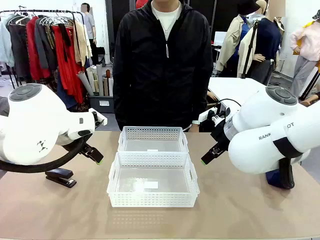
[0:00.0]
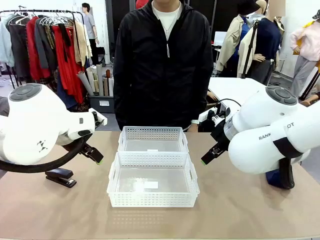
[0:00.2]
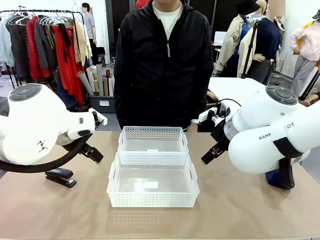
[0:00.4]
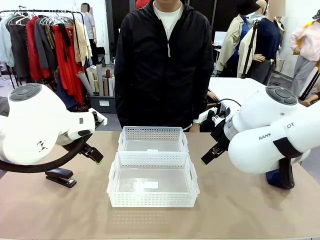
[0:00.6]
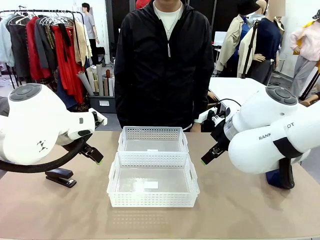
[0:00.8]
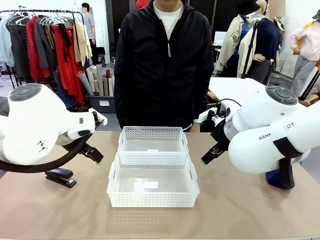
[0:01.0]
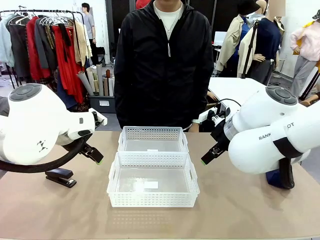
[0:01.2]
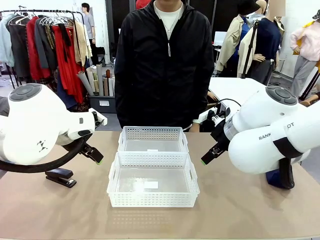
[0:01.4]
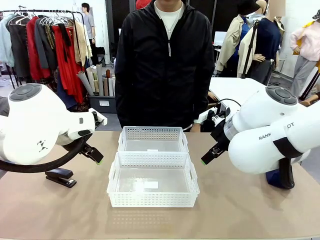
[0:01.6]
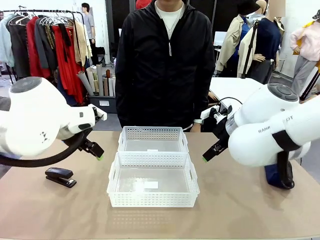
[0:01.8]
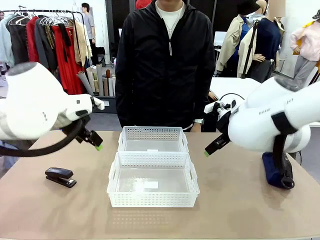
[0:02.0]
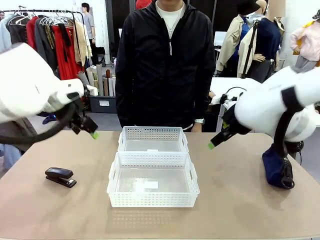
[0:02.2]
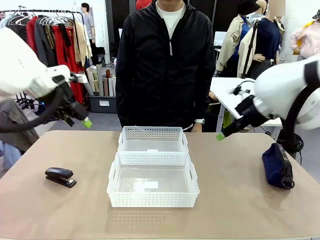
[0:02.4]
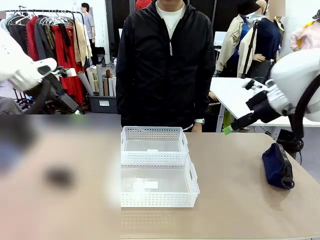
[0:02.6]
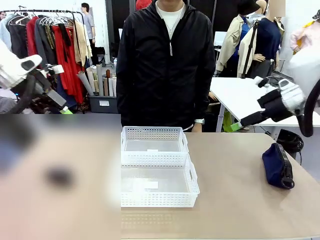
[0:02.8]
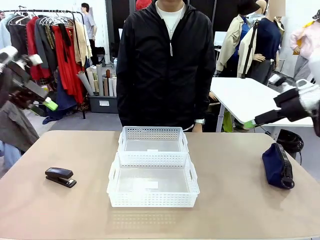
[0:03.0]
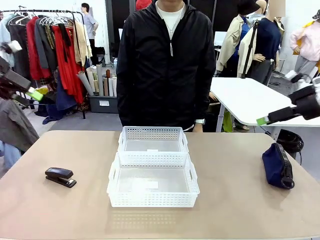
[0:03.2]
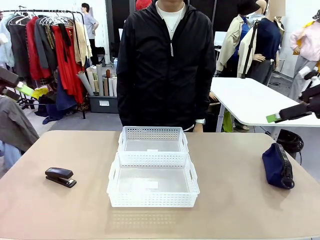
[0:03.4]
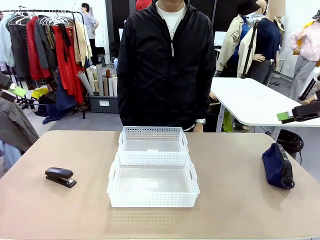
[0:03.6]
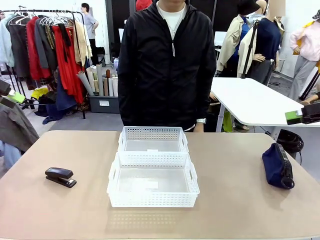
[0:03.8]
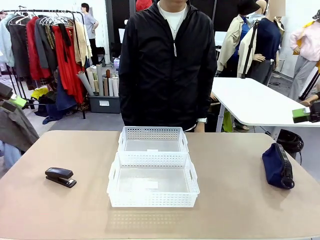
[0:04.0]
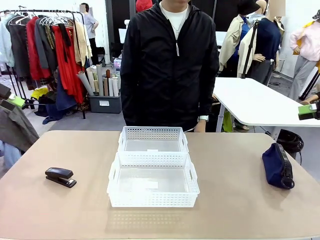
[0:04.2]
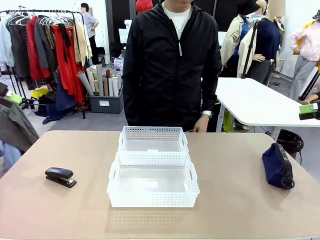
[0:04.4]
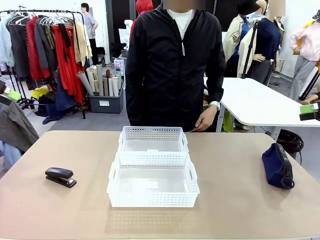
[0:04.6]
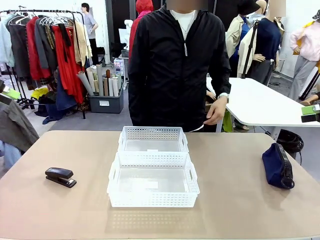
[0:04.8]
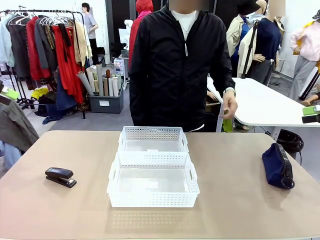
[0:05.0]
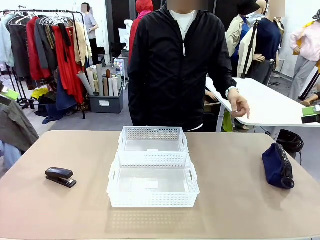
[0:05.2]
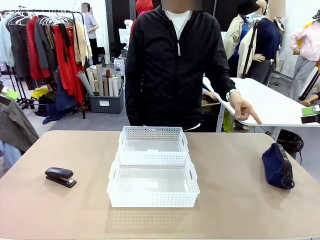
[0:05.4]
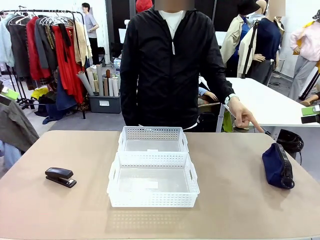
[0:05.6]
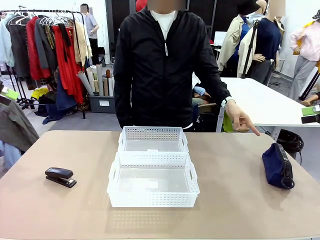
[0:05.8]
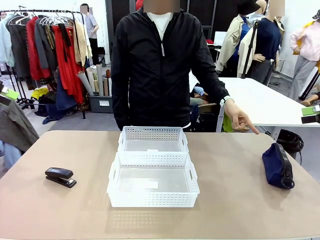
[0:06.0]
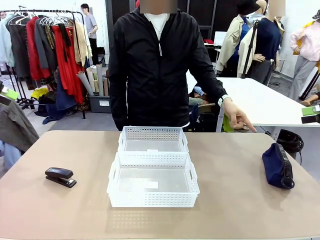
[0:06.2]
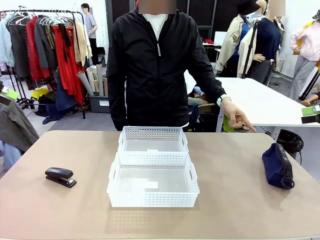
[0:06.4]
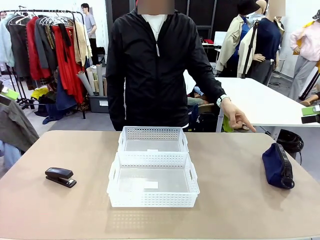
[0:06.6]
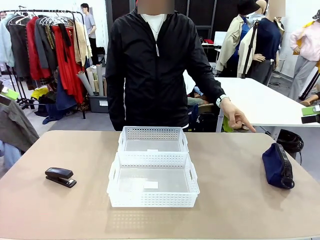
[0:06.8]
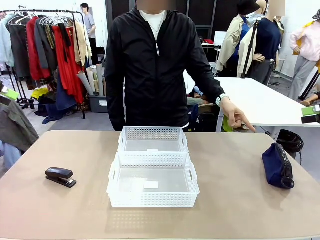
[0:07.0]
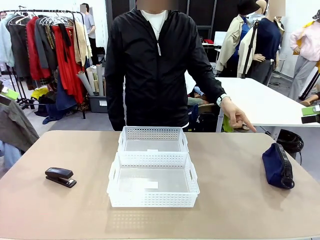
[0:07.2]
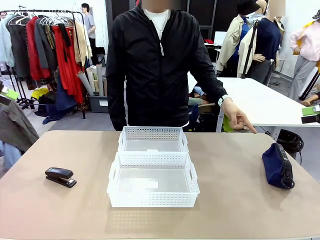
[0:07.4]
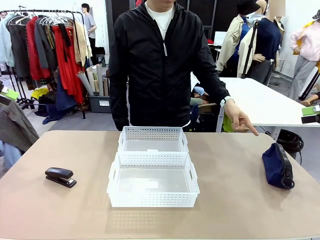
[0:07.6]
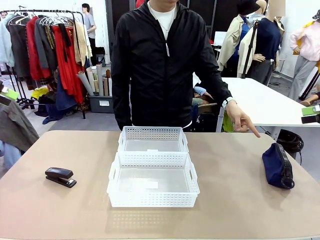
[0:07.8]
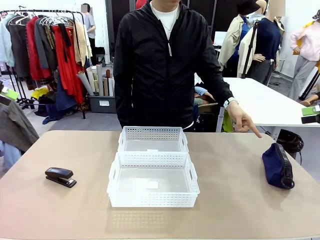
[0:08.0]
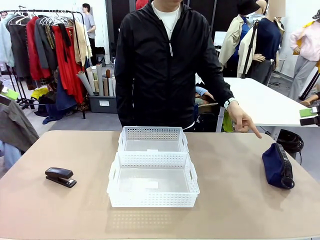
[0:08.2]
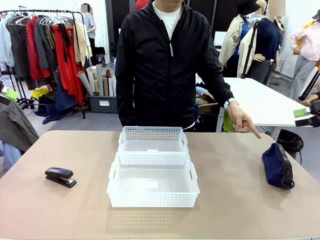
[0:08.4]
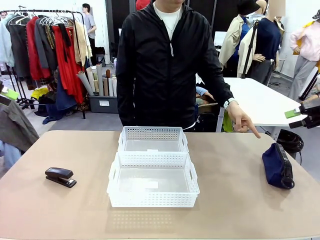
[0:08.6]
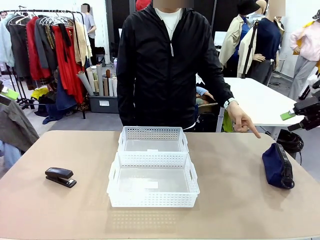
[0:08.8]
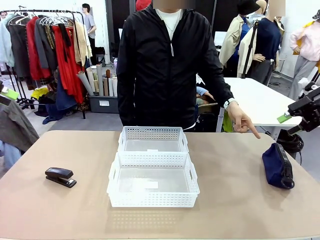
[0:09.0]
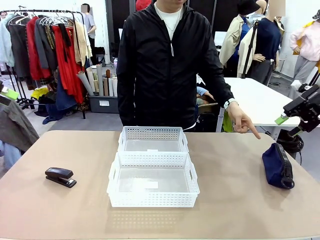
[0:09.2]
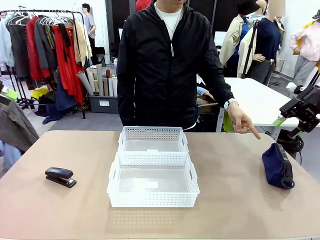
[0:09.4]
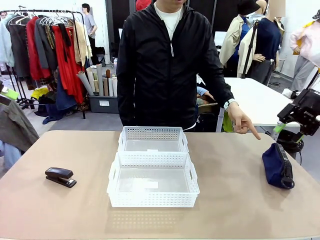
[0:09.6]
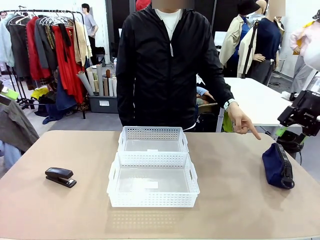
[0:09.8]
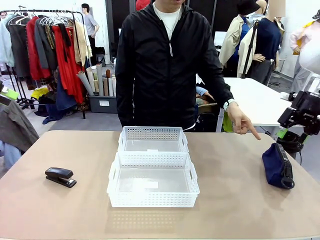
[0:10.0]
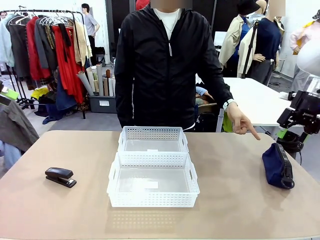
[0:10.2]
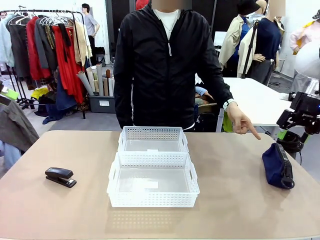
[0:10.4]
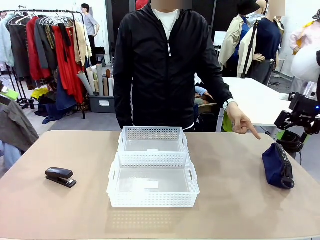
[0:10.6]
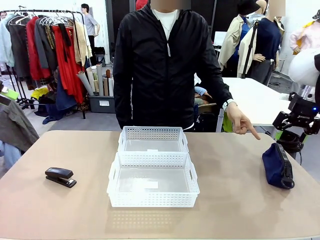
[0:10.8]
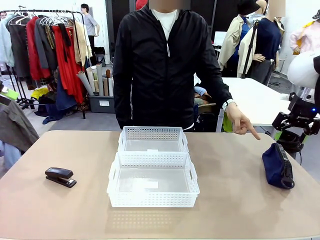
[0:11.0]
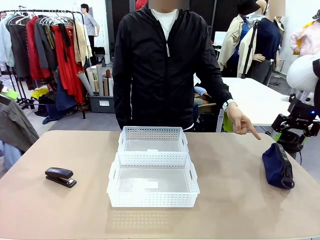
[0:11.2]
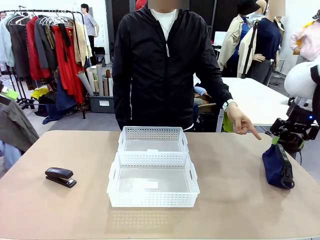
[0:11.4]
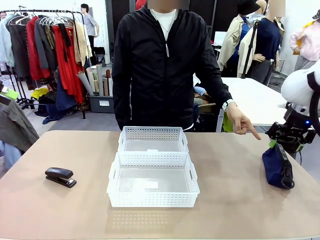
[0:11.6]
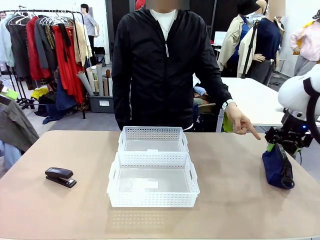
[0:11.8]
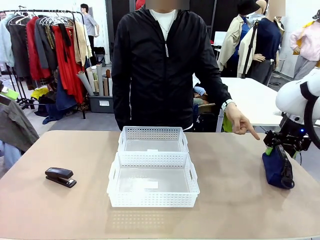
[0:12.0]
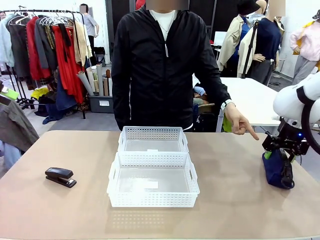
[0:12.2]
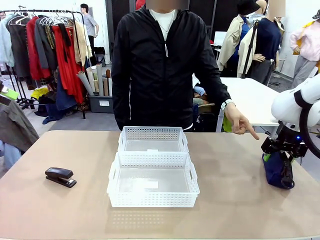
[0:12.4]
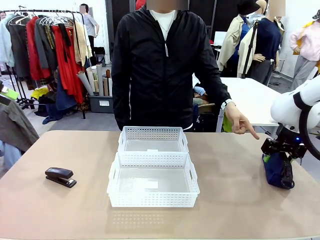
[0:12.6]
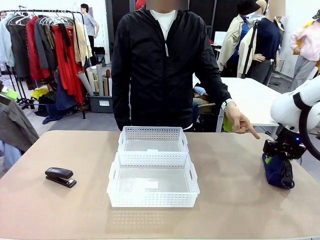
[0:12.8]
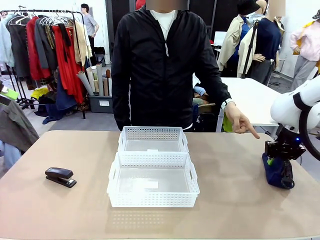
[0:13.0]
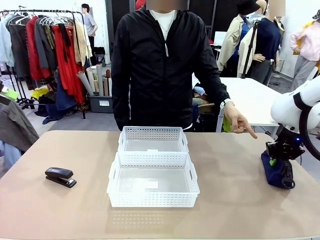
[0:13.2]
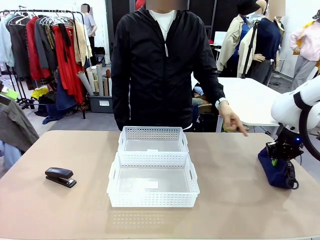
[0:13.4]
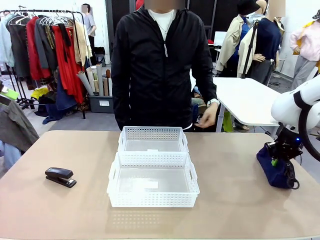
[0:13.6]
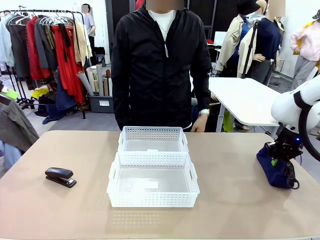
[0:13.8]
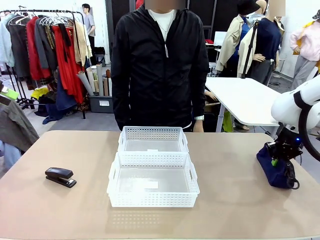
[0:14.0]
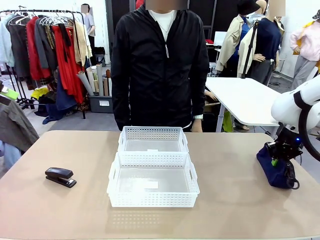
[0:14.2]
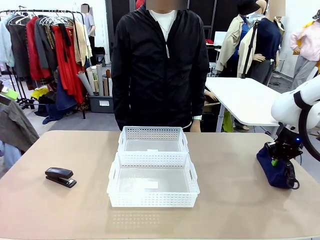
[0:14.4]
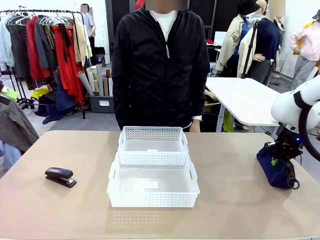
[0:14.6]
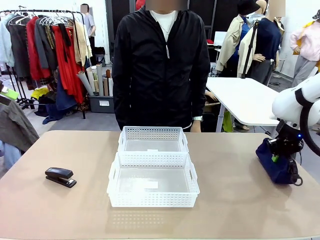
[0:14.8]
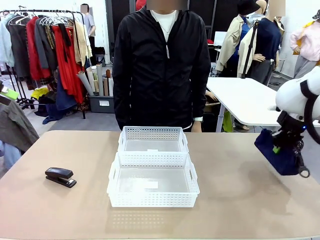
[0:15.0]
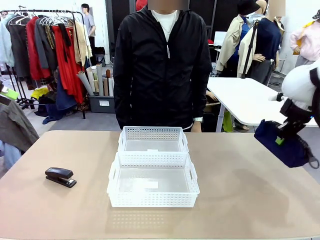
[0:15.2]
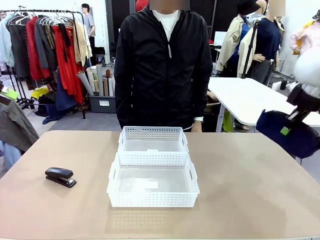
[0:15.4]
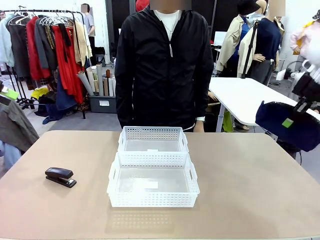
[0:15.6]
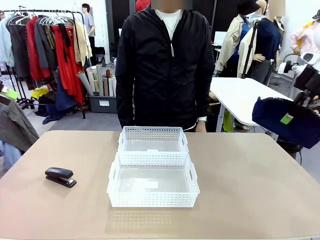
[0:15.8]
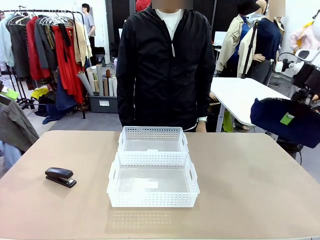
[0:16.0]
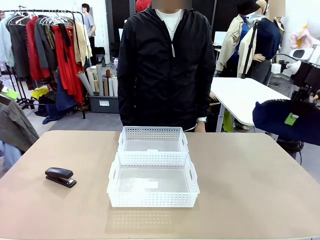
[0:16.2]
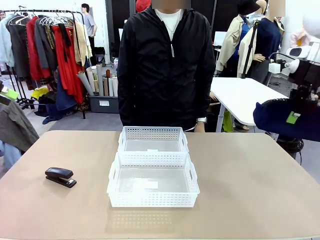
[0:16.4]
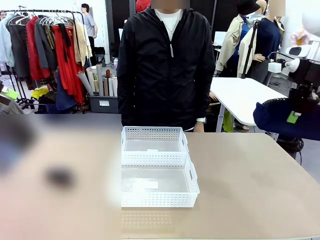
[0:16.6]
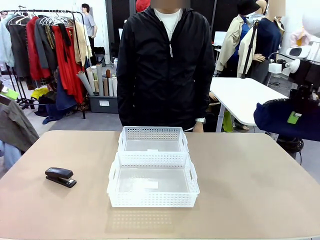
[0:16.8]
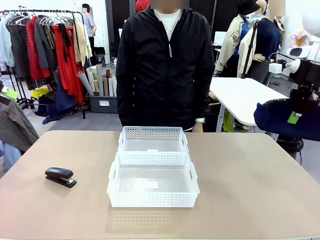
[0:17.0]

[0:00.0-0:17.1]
Task: Distribute items into two baskets.
Robot: Pick up the Pencil pouch that the person points to.
Person: Points to the pencil case. Points between the two organizing baskets and instructs the robot to move the pencil case.

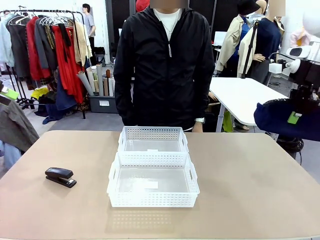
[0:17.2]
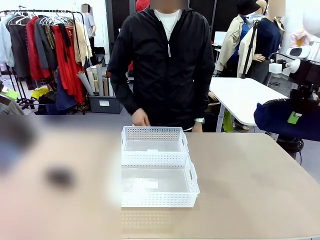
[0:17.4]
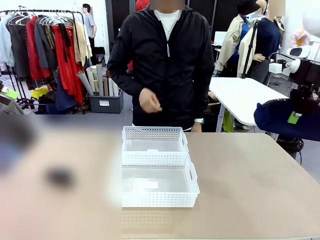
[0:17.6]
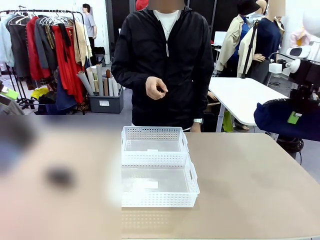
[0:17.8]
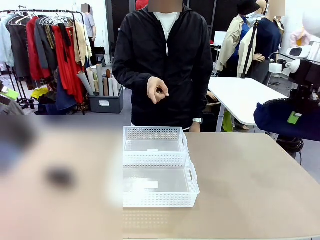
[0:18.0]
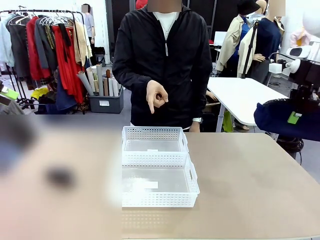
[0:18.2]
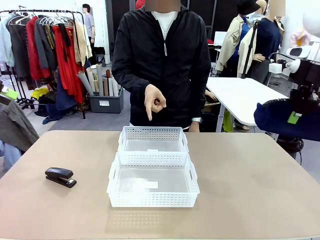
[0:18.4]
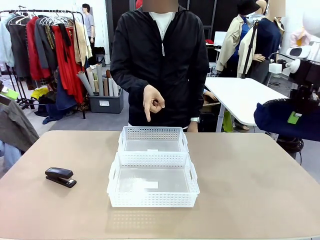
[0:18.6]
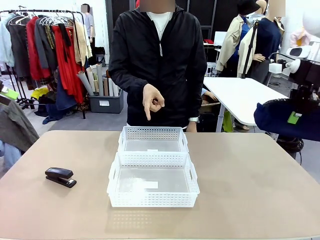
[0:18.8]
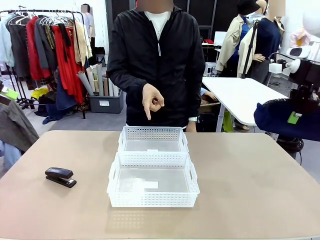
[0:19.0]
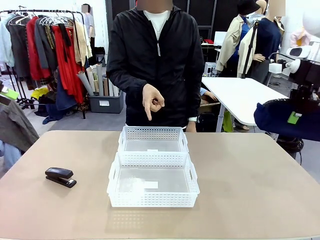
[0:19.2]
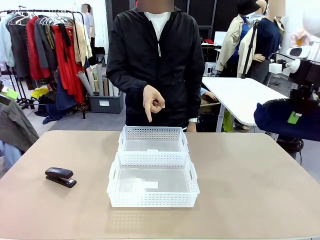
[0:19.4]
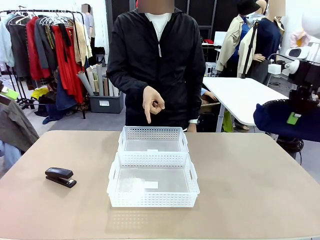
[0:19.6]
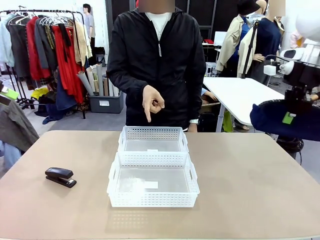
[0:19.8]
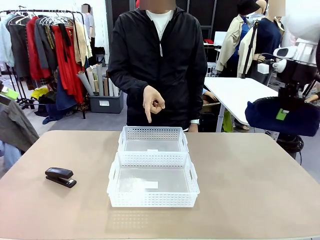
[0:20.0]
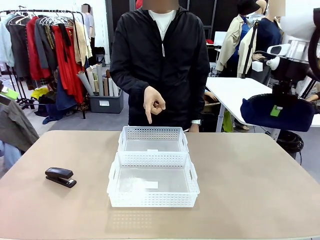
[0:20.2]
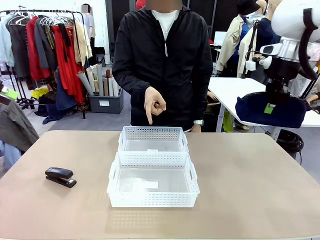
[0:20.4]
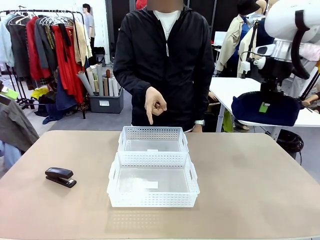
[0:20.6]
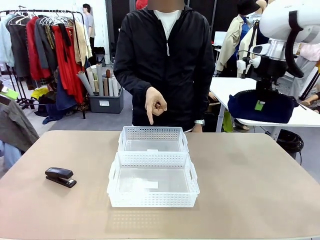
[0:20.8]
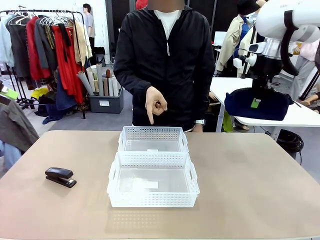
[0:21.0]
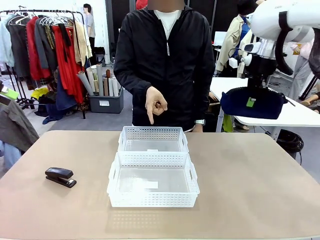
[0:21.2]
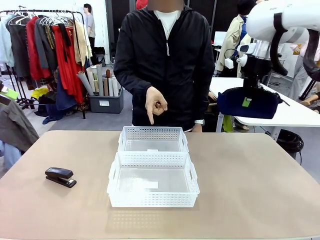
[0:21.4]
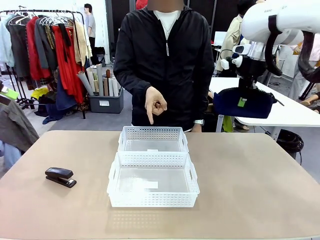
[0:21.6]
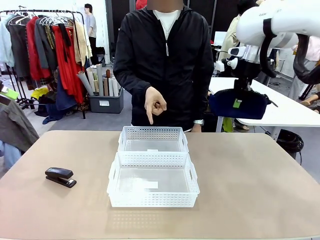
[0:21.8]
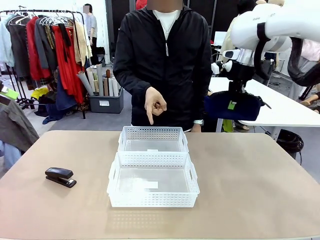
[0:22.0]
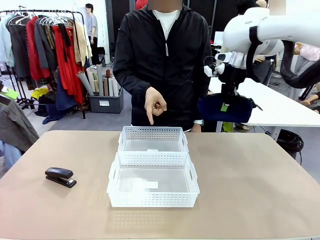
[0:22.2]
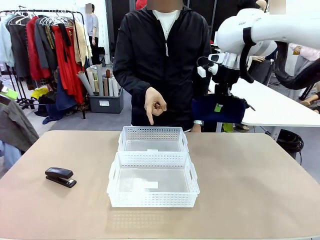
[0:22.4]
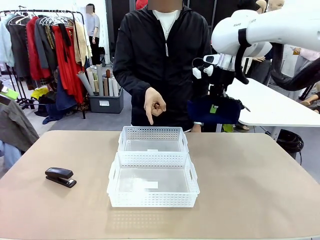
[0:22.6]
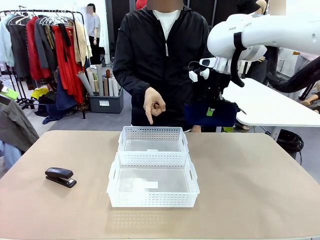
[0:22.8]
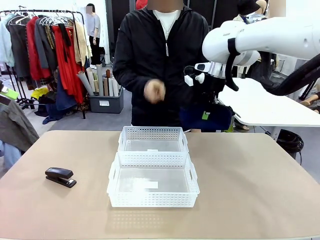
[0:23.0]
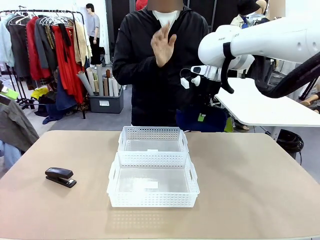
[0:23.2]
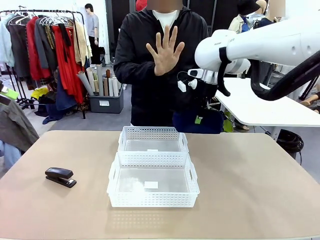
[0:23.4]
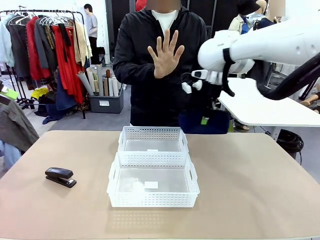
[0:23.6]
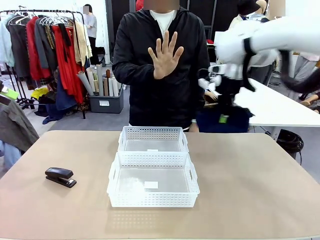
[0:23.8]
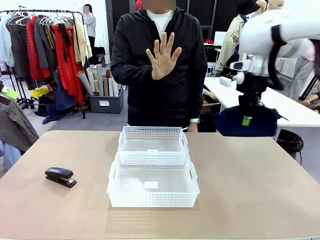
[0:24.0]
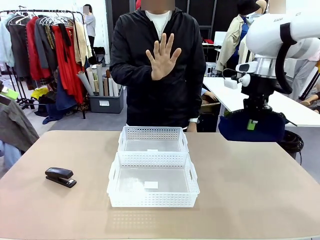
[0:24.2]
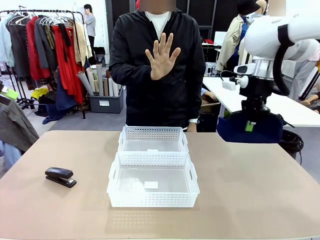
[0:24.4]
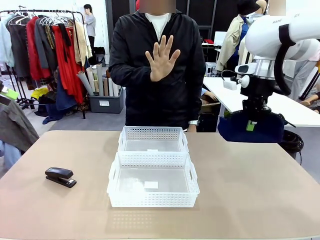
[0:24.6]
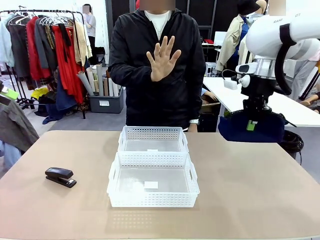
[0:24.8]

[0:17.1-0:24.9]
Robot: Move the picked Pencil pouch towards the Organizing basket indicated by the person, stopping as directed.
Person: Sends a stop gesture before the robot places the pencil case into the basket.
